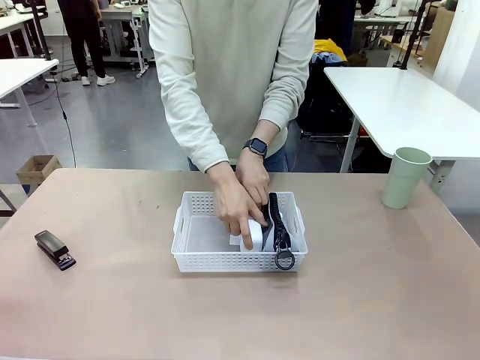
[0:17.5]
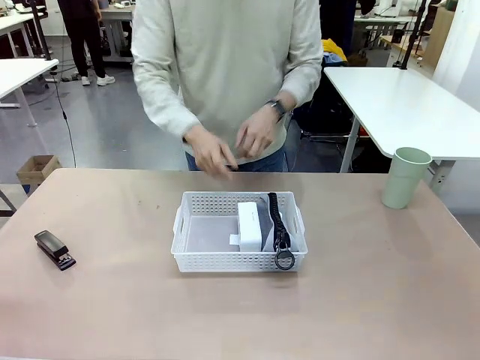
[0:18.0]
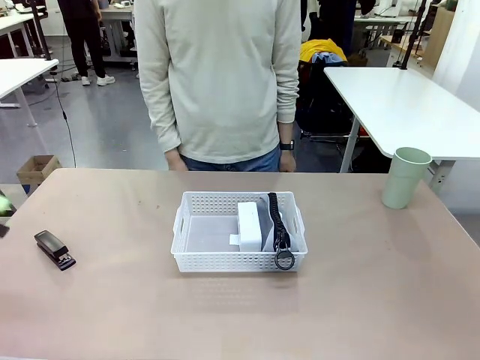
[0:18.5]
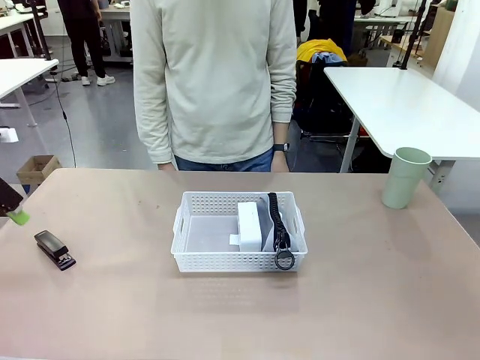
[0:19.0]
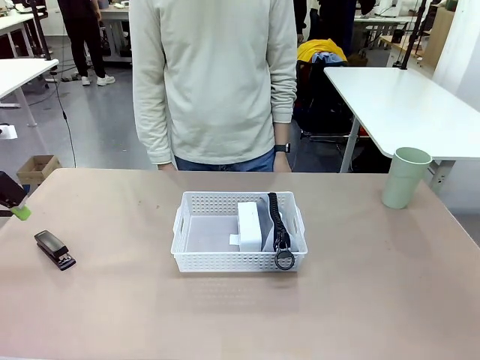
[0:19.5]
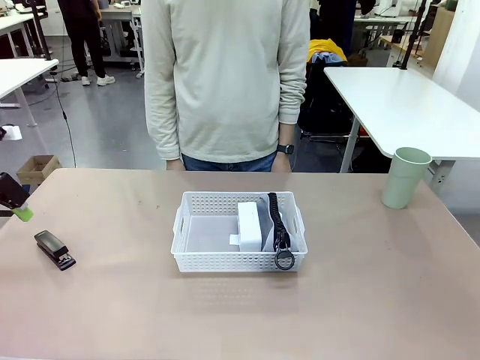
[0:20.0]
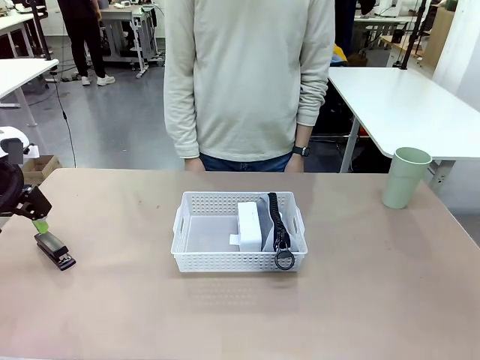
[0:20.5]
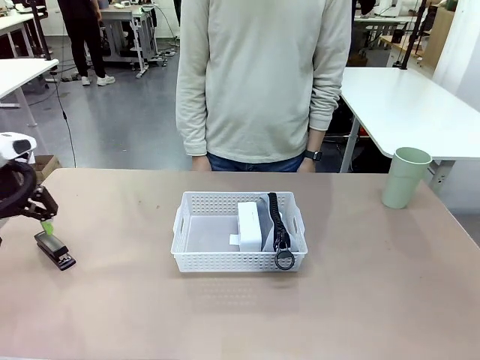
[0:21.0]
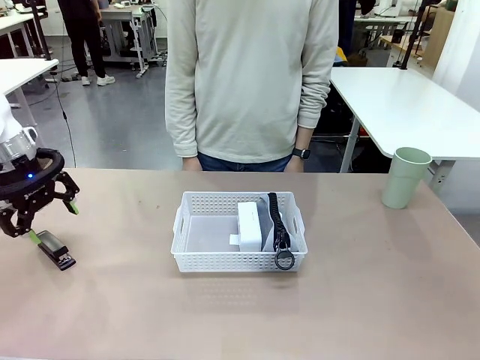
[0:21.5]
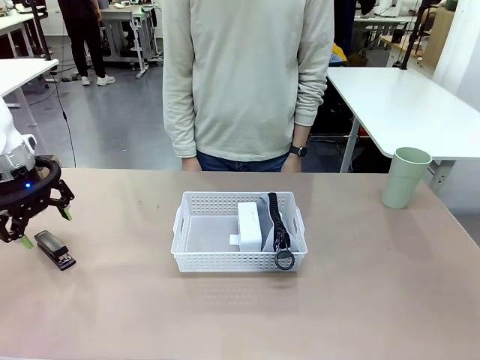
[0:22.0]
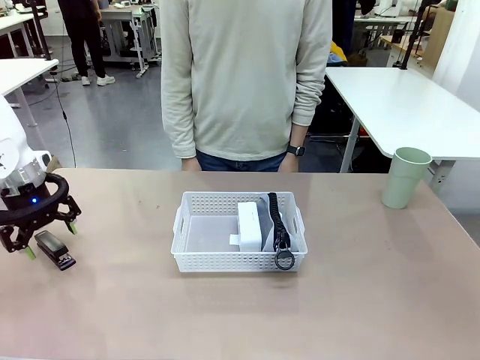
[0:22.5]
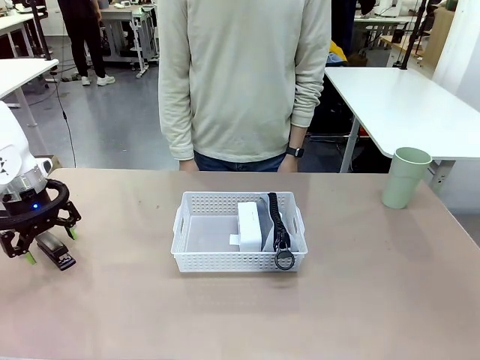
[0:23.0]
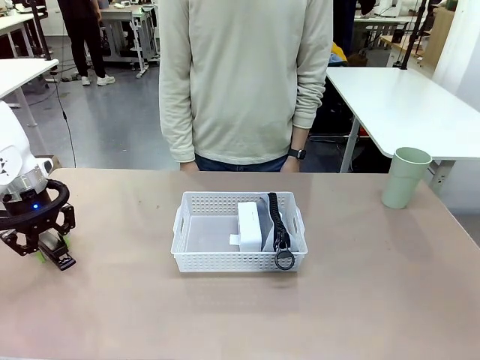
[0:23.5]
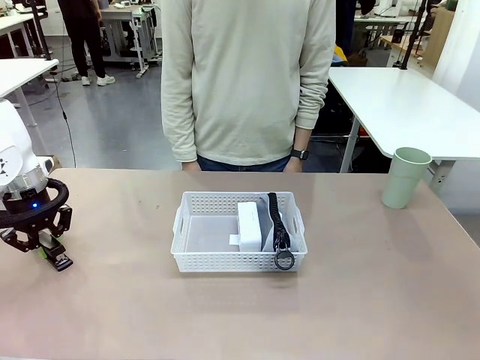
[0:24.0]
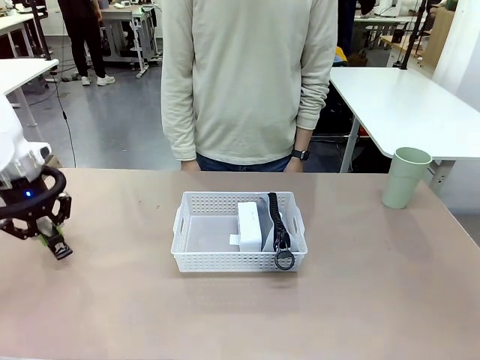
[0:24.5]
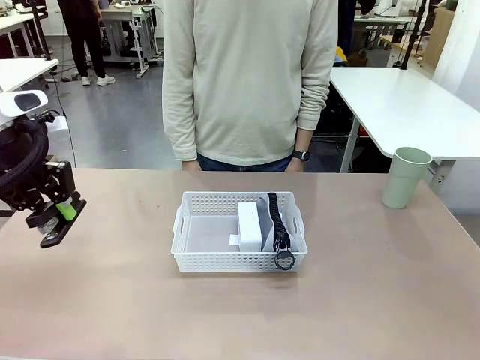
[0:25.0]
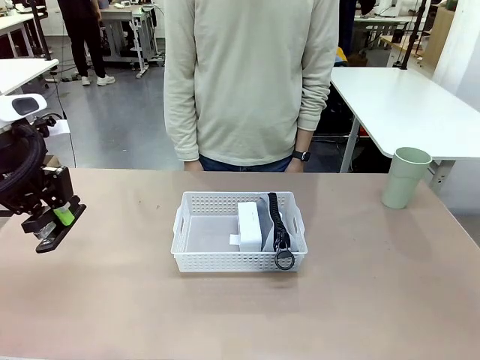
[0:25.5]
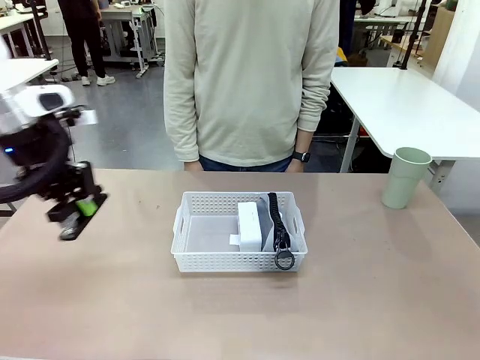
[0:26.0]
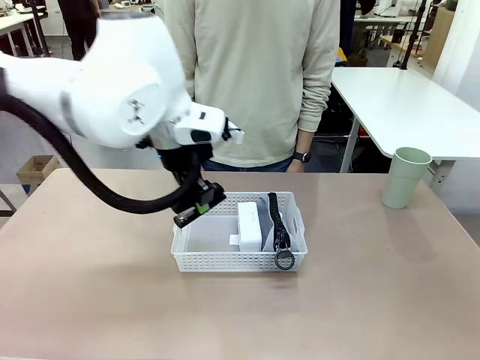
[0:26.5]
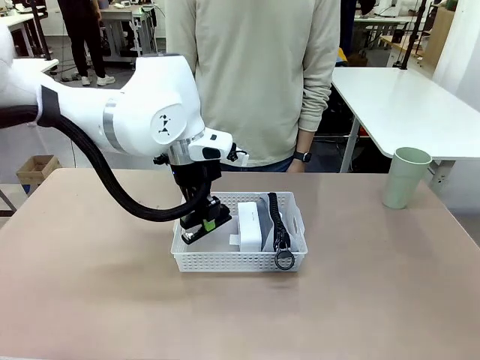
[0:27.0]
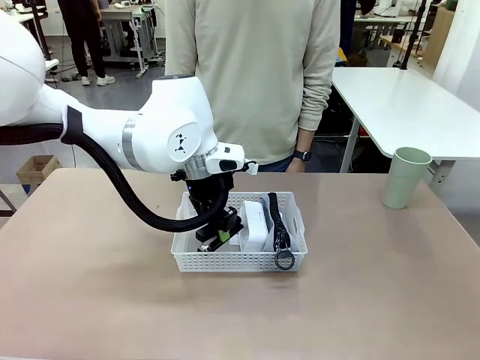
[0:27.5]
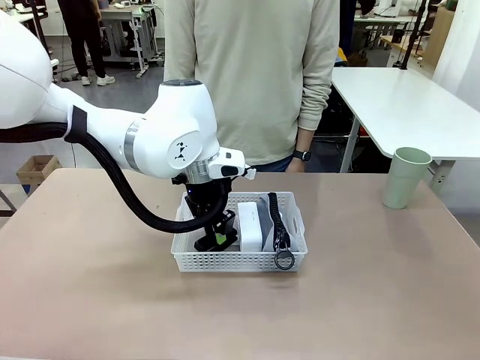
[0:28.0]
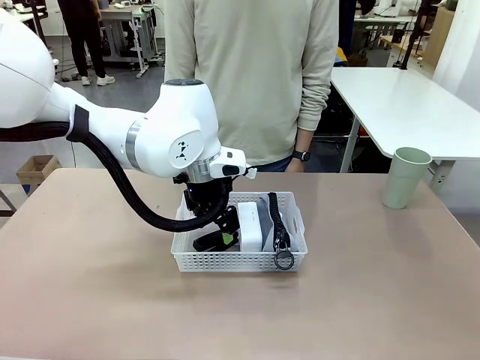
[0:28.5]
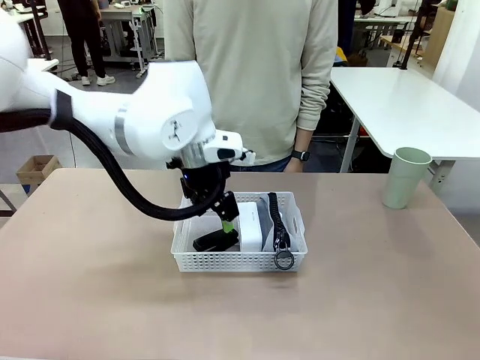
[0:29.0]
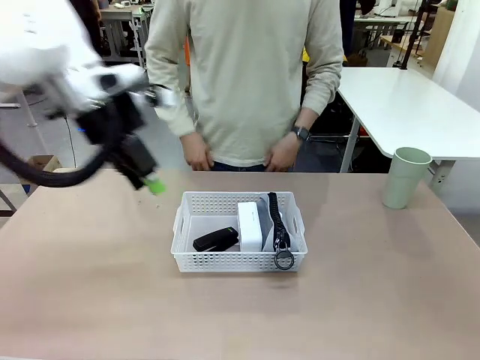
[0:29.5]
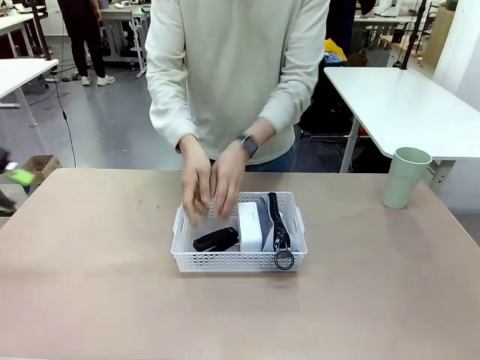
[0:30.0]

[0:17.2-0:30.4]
Task: Efficiently arrange items inside the basket to fit them all.
Robot: Pick up the Stapler and place it inside the Organizing basket.

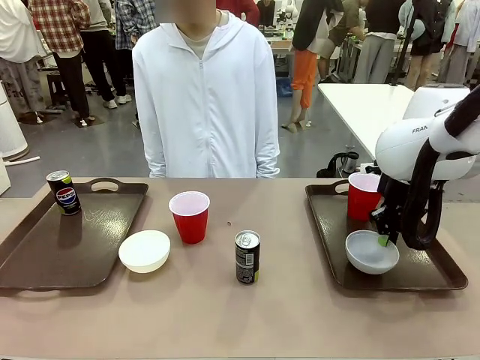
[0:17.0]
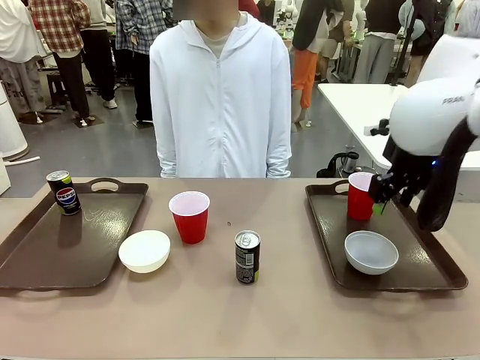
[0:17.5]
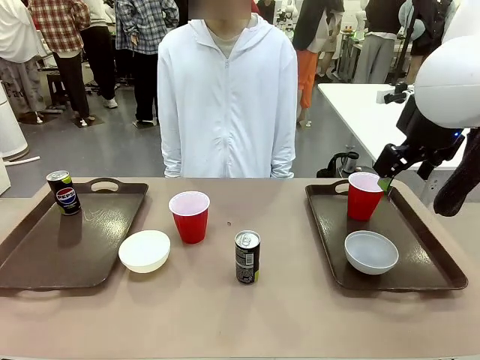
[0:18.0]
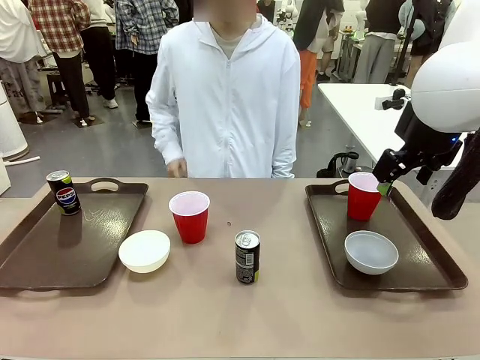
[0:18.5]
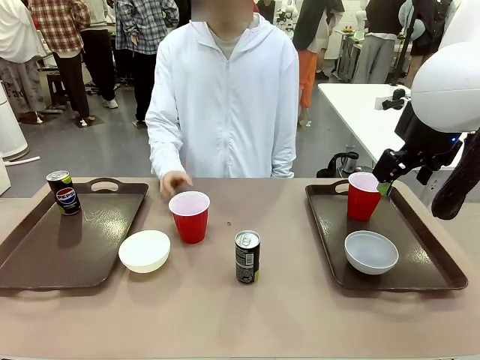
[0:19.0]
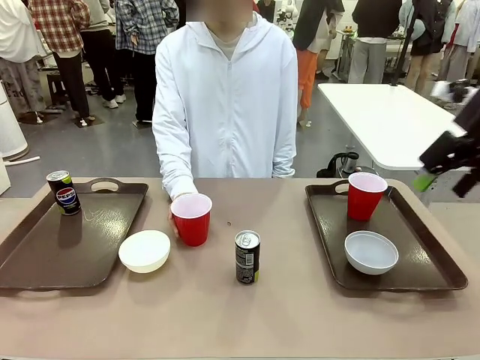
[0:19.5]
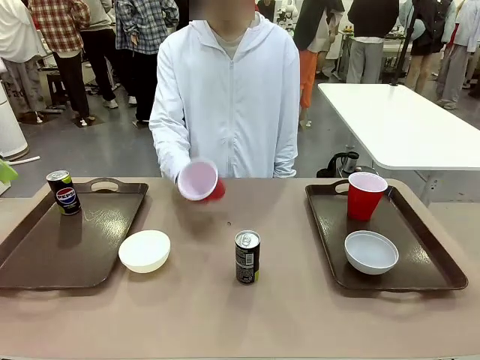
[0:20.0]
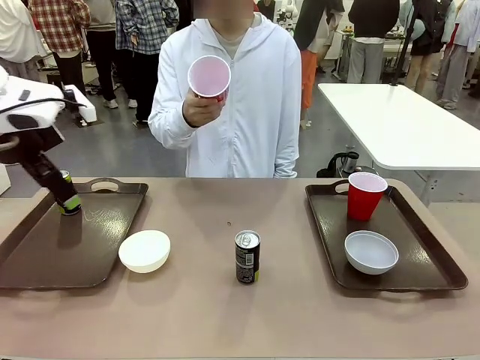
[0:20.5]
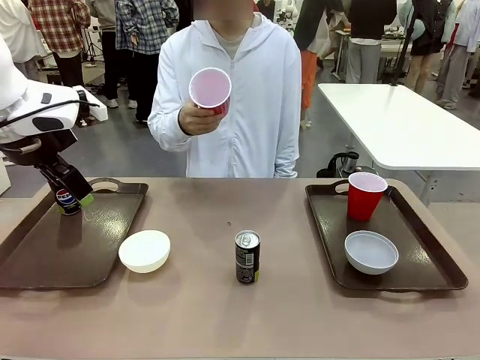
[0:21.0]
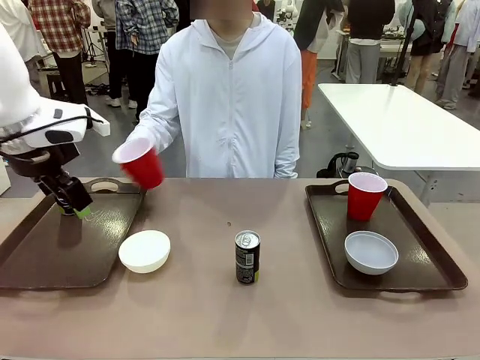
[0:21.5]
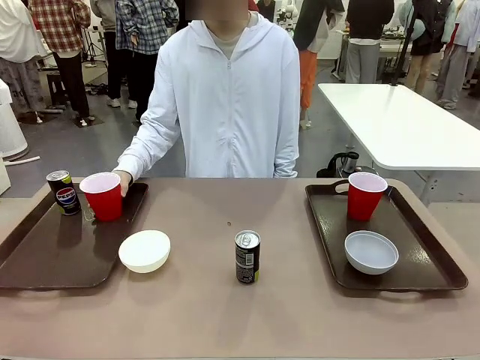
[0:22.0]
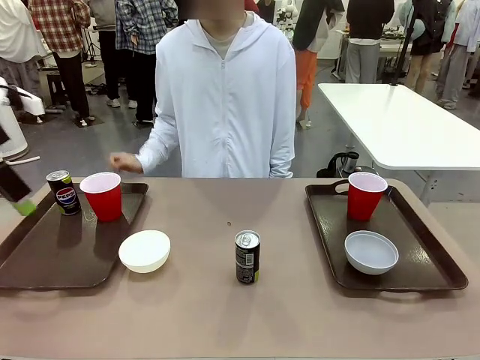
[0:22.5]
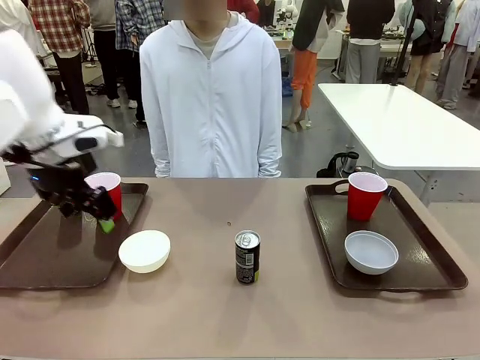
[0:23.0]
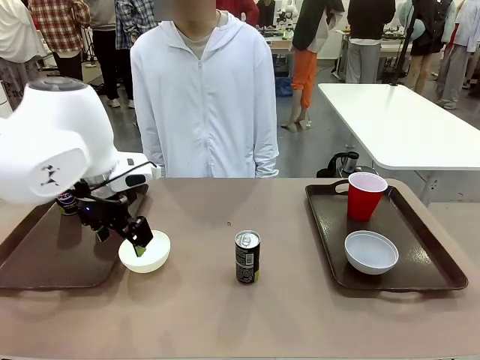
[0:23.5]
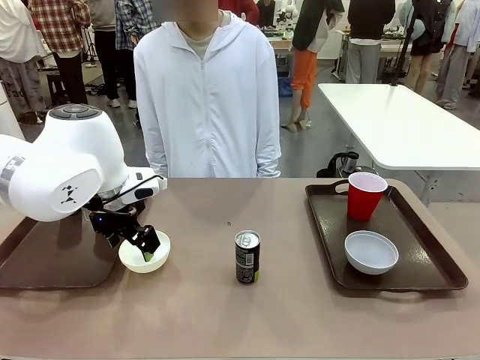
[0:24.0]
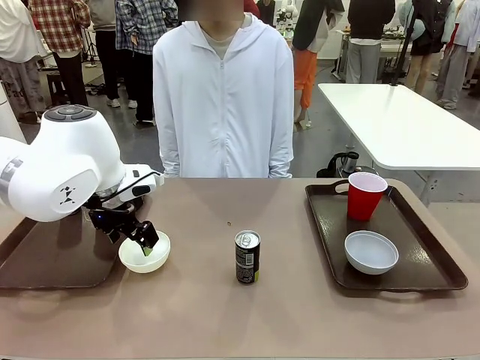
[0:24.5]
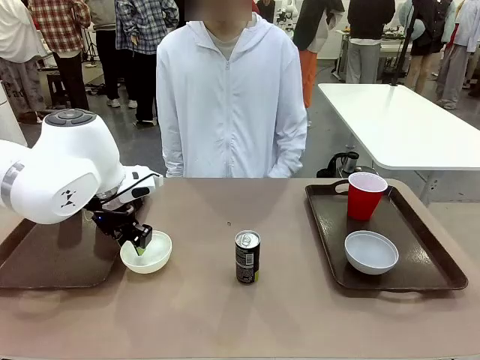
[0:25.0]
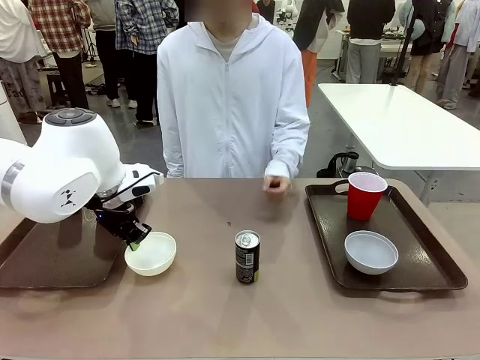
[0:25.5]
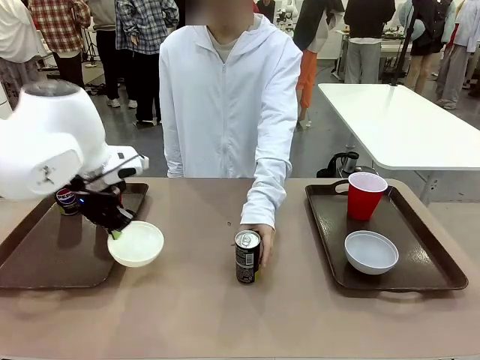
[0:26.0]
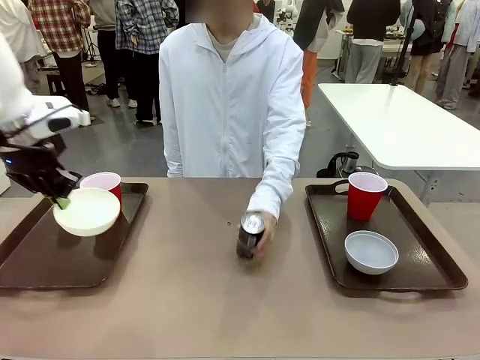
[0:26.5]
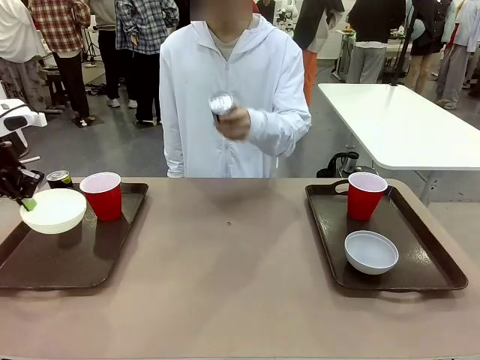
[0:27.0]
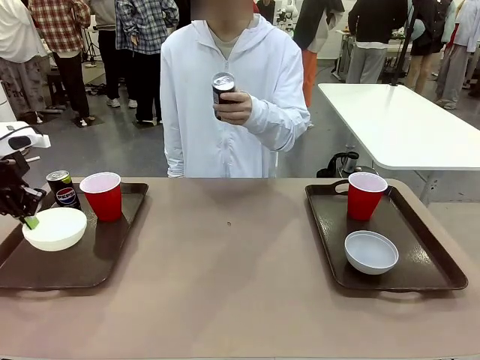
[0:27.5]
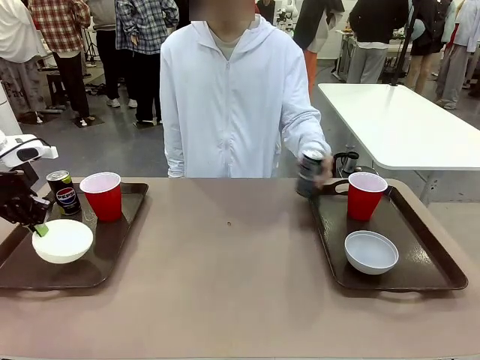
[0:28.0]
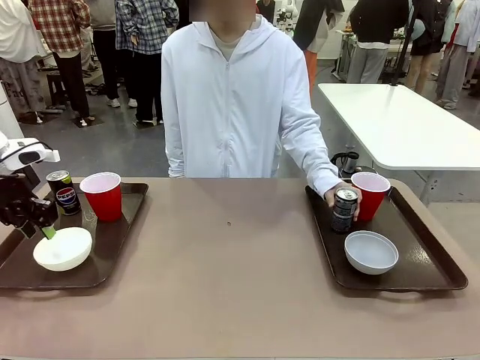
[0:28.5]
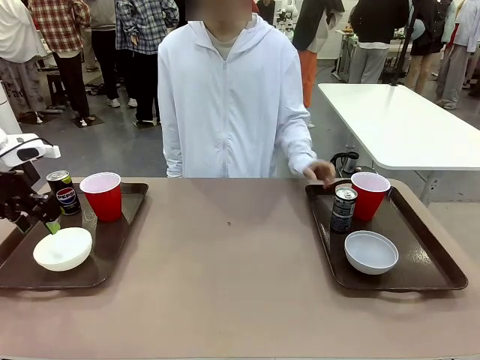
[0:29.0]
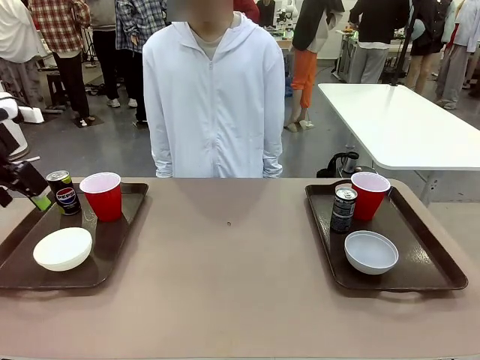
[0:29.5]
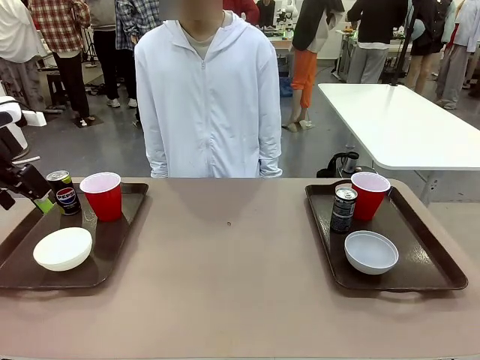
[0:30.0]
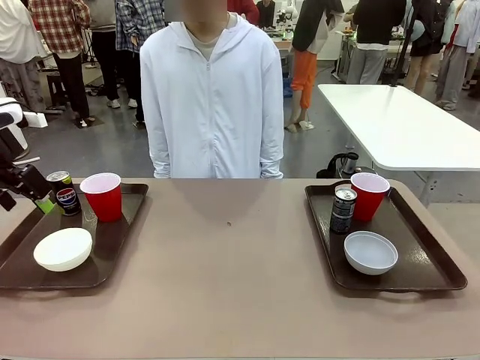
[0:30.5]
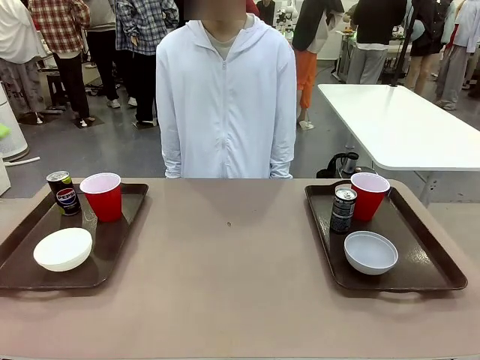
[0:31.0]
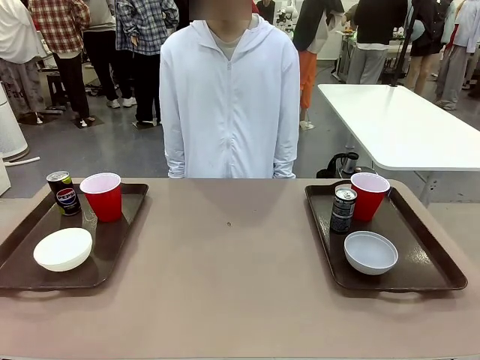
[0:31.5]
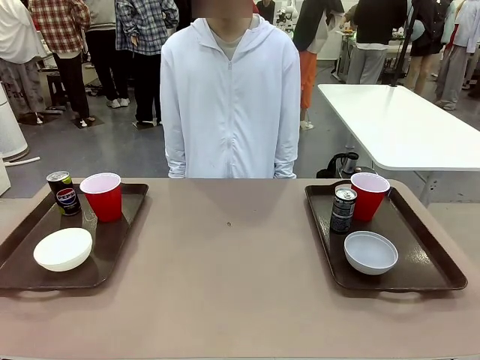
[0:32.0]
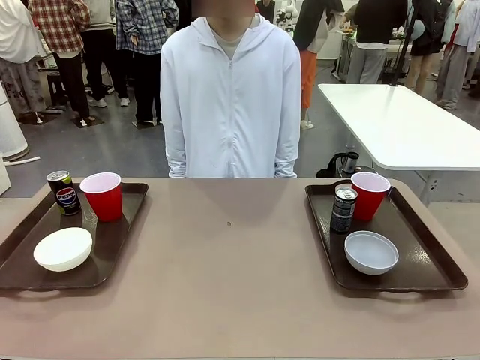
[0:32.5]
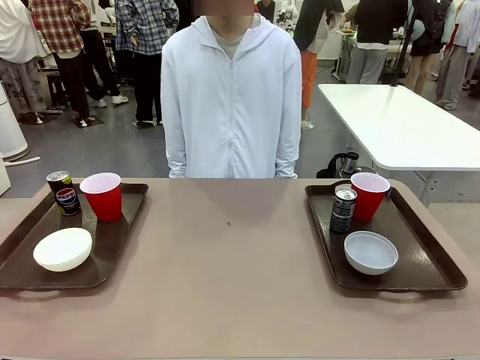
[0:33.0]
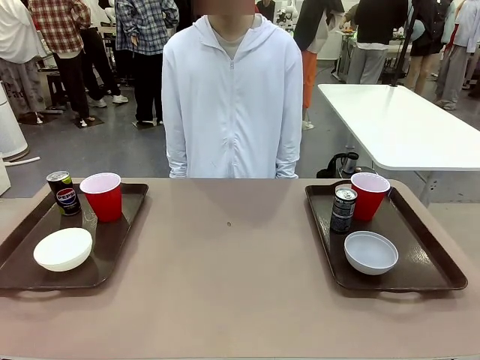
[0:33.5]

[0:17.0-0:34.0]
Task: Prepare tableware on both trays.
Robot: Pick up a Picnic Bowl from the table and place it on a Handle tray.
Person: Pick up a can or cup and place it on the tray without a can or cup.
